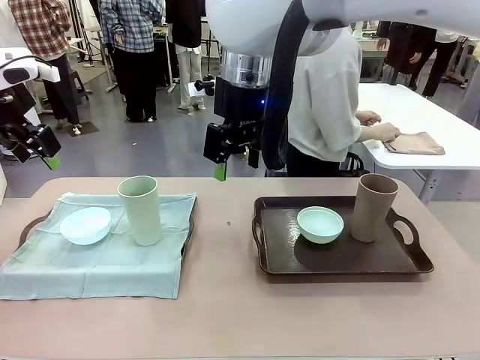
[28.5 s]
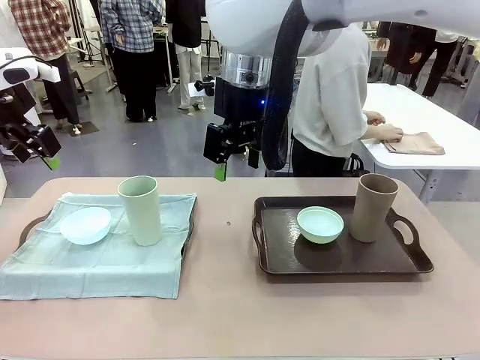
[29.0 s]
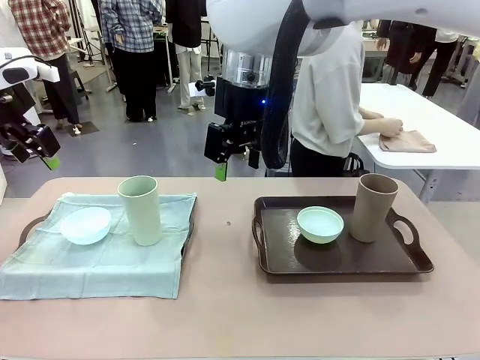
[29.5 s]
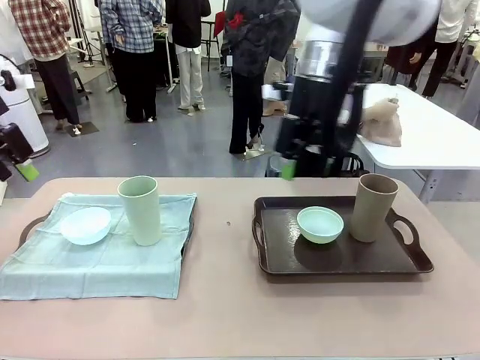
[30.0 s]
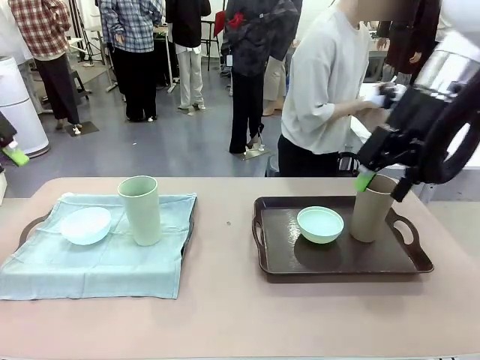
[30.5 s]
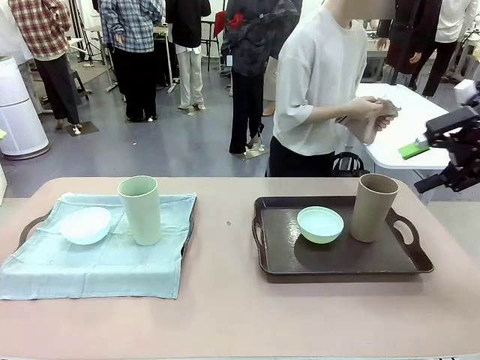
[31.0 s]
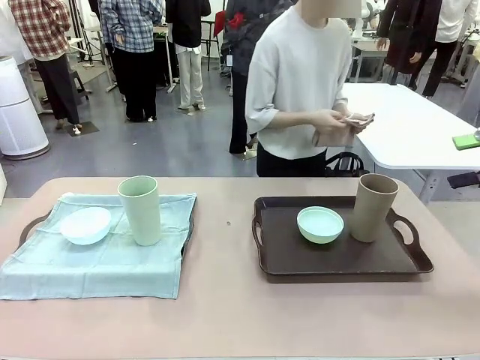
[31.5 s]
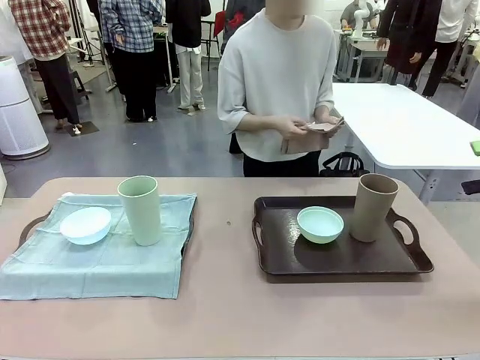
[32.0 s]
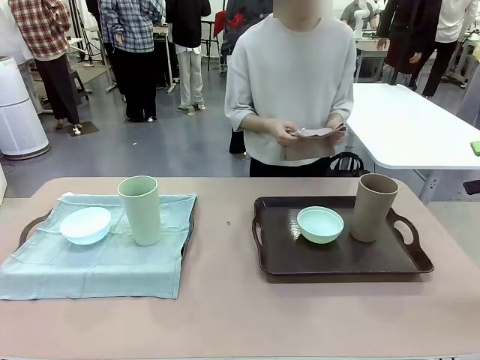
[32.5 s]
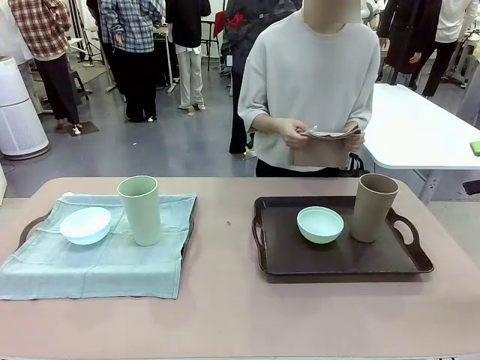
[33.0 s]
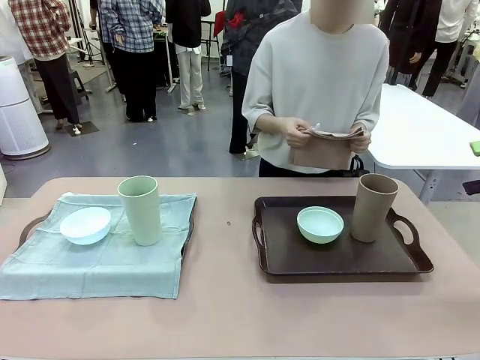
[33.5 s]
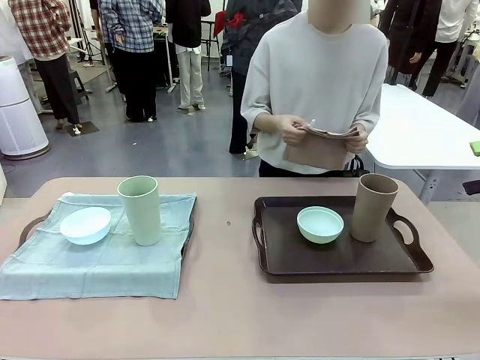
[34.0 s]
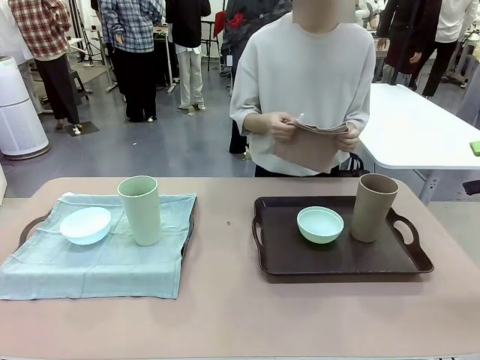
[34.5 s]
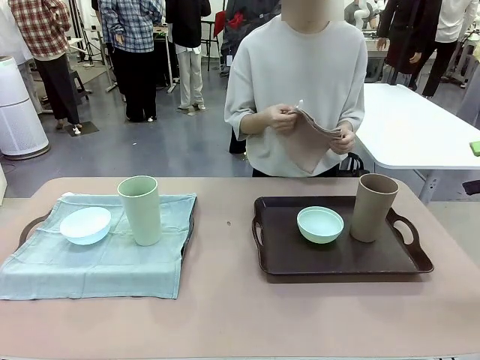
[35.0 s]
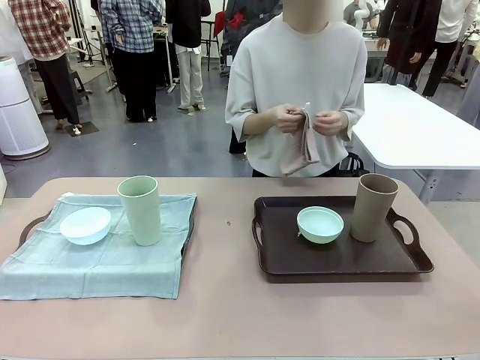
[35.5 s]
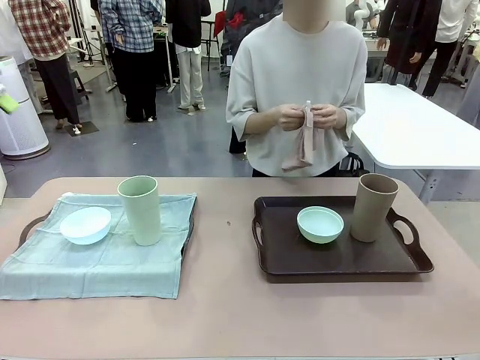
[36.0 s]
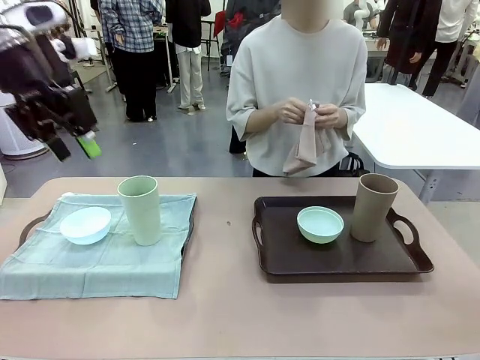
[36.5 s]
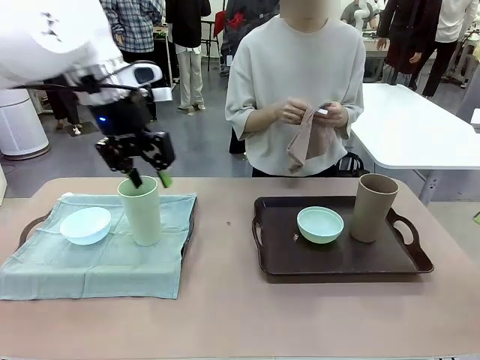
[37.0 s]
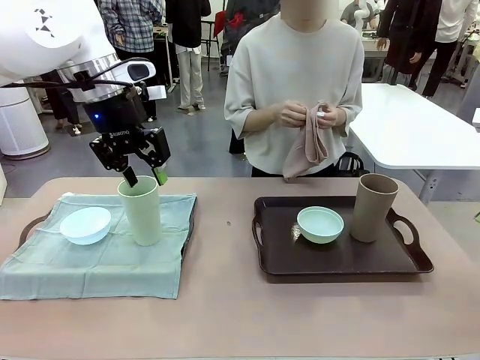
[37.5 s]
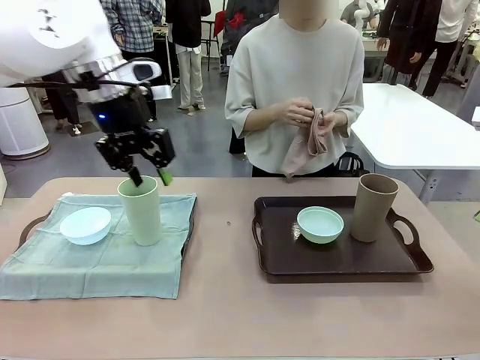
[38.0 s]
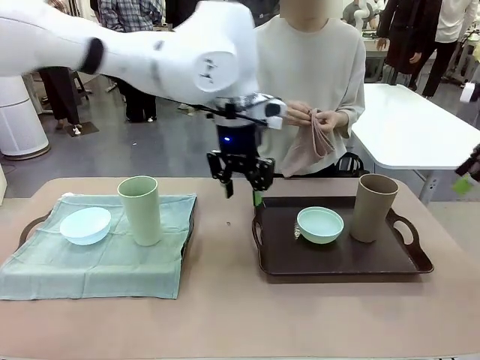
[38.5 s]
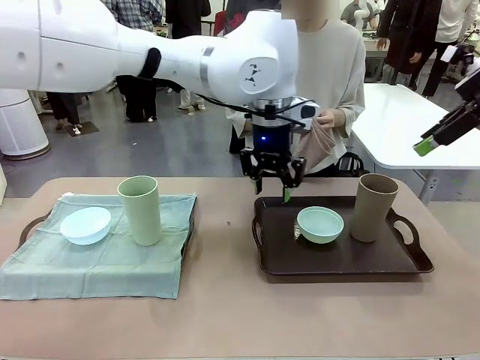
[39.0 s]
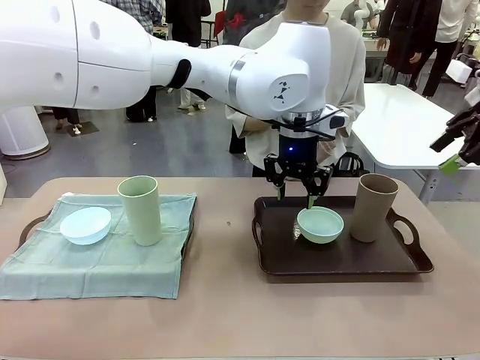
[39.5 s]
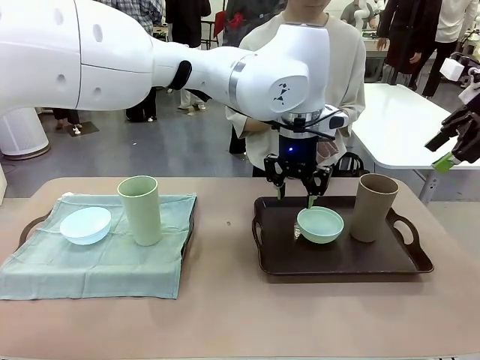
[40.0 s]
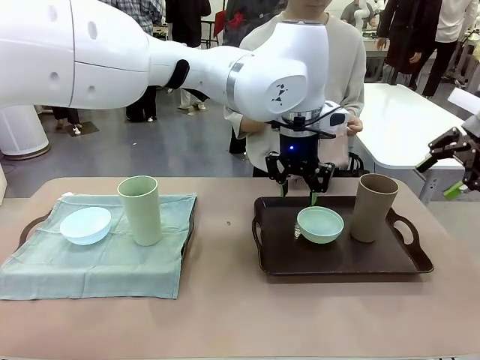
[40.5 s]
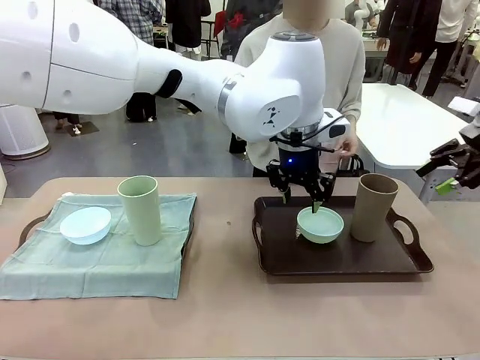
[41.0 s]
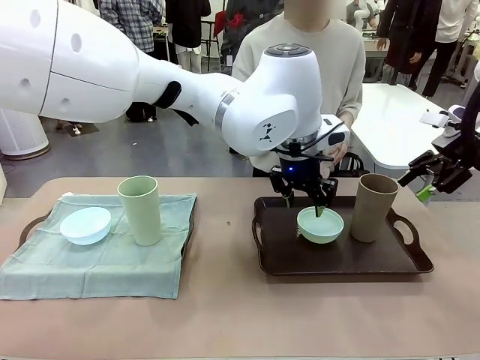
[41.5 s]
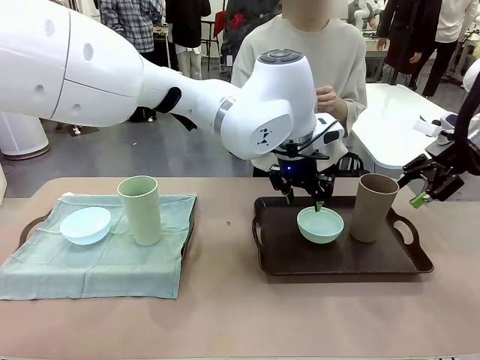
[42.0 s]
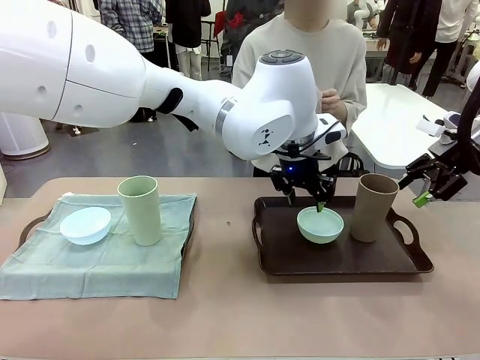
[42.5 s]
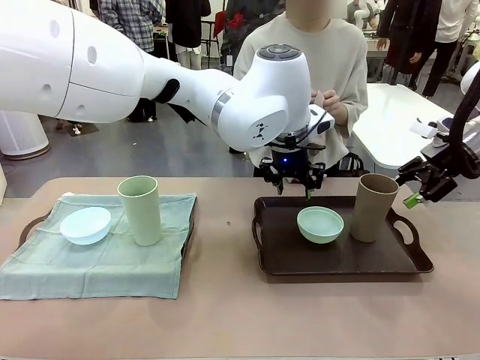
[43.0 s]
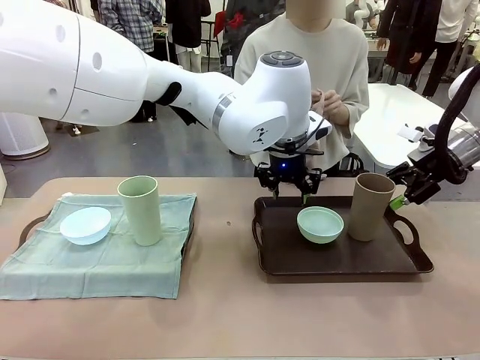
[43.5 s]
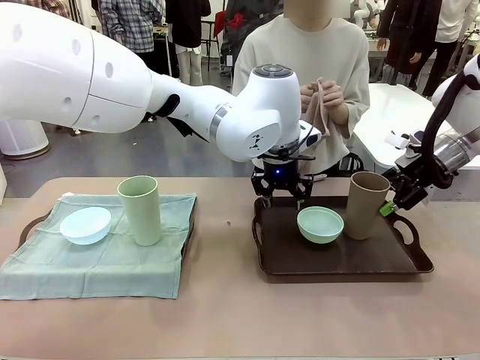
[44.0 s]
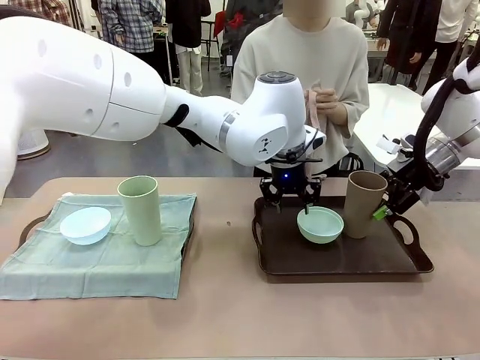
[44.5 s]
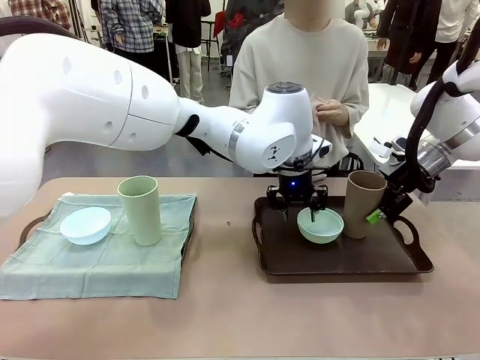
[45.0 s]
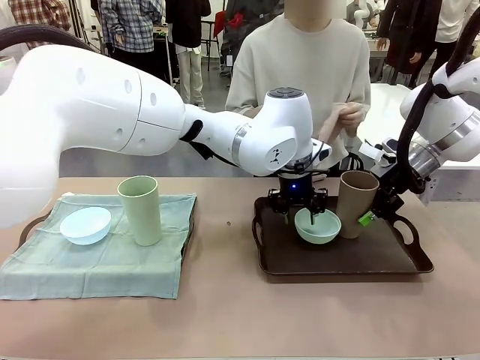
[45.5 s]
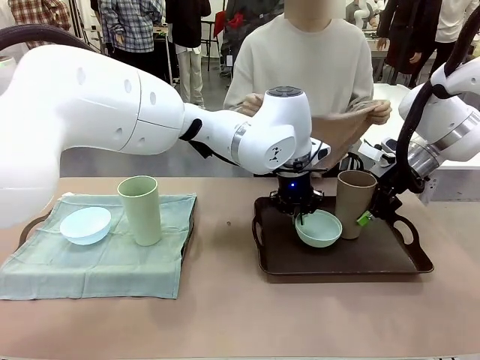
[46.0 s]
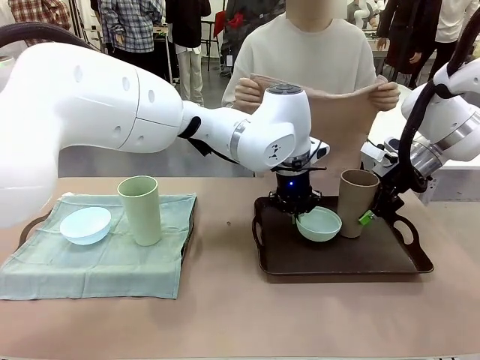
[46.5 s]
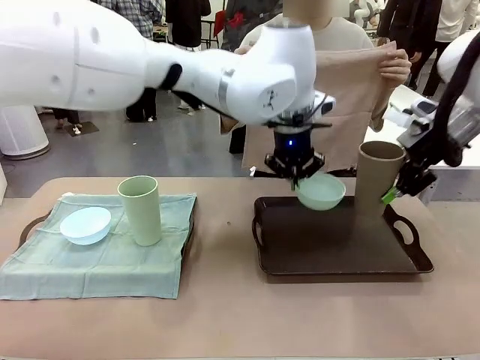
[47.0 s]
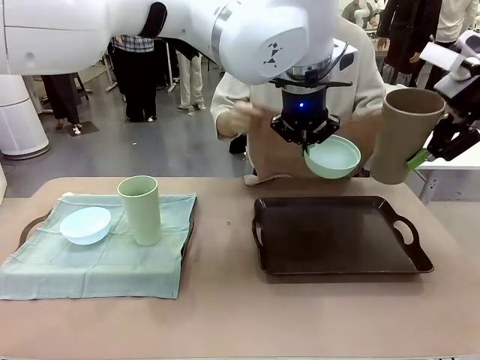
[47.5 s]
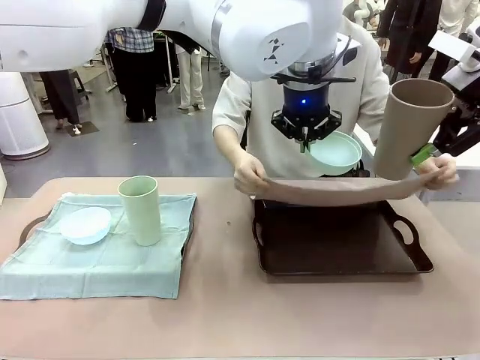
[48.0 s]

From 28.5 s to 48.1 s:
Robot: Pick up the Picnic Bowl and Reusable plastic cup from the Handle tray in front of the human's position and hold them in the air.
Person: The human returns to the human table to pick up another napkin and walks to the robot table to stand in front of the tray without a napkin. When the robot lifts the bowl and the cup, the human unfolds the napkin and lays the napkin flat on the tray.

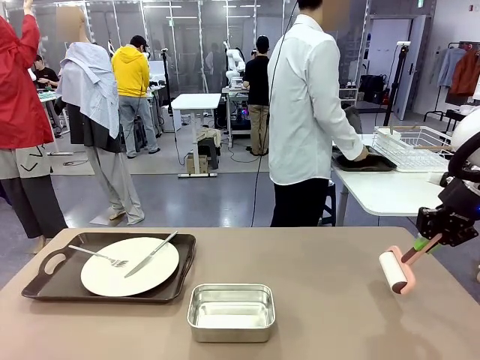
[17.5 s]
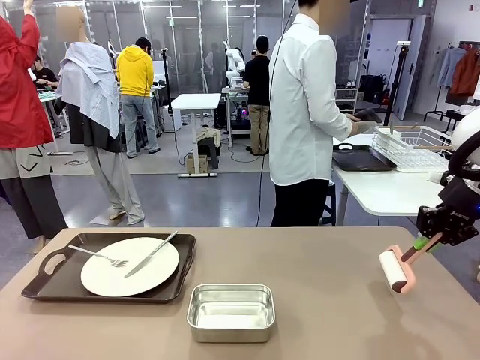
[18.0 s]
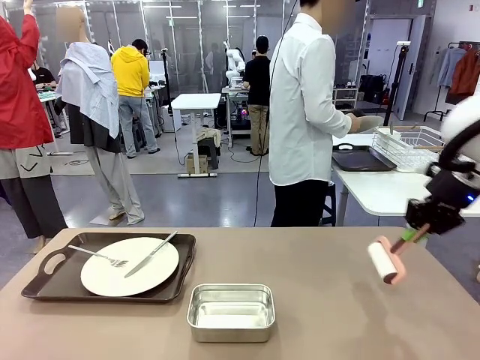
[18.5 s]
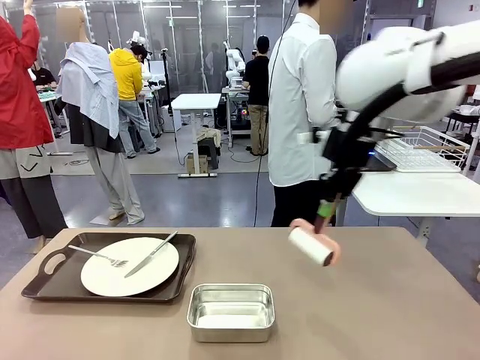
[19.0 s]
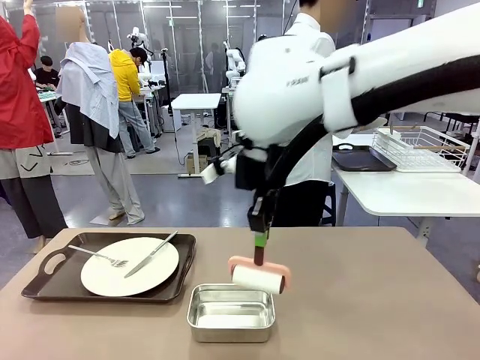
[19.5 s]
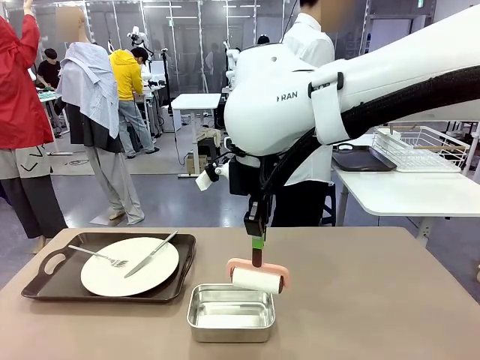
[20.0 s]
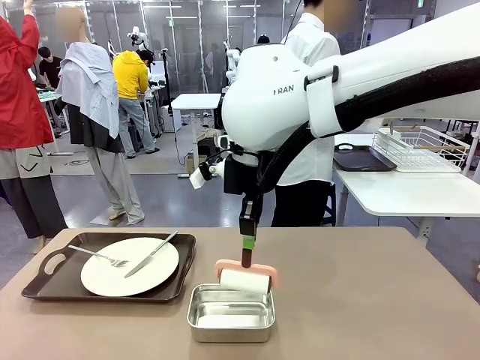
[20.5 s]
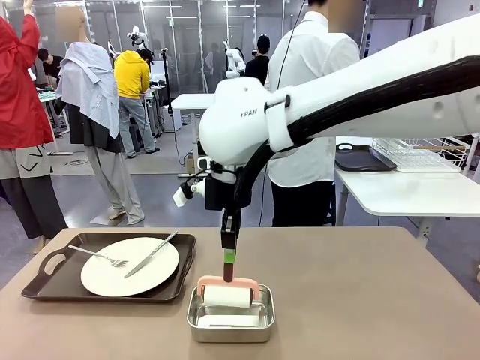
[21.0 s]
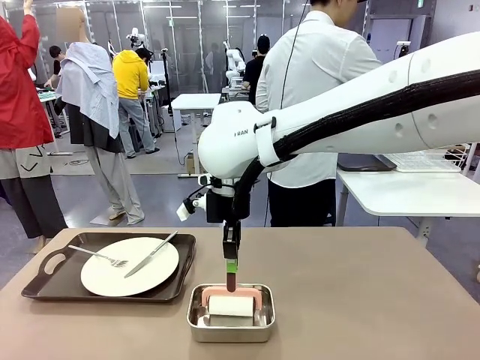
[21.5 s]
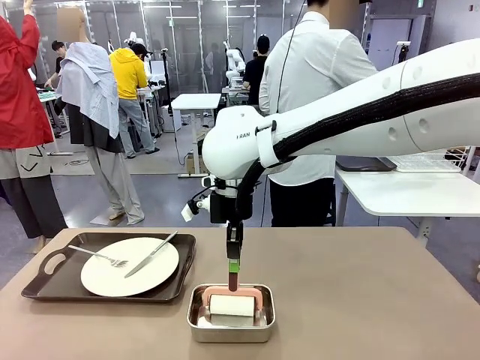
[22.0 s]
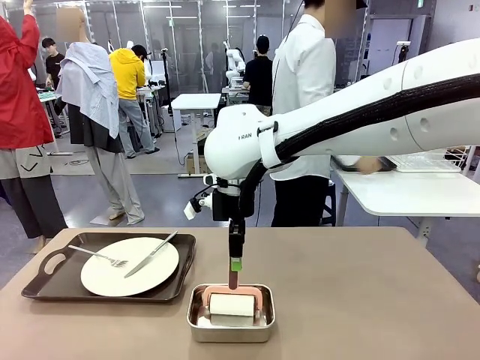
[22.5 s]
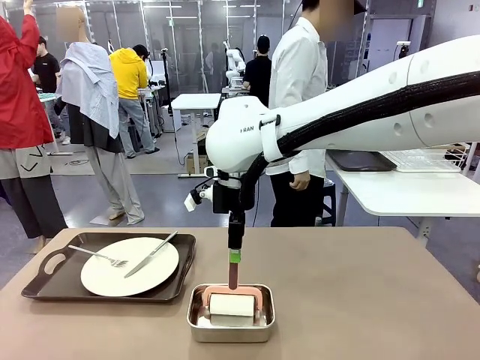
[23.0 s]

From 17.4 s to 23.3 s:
Robot: Place the Lint Roller back on top of the Airtight Container.
